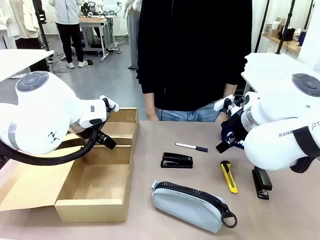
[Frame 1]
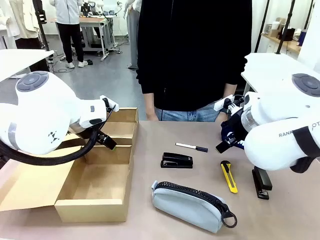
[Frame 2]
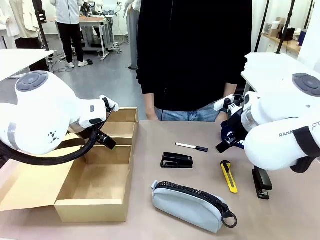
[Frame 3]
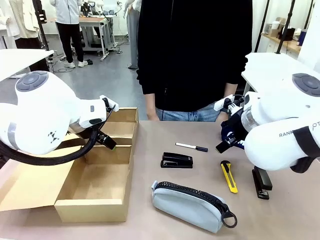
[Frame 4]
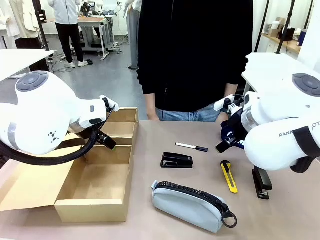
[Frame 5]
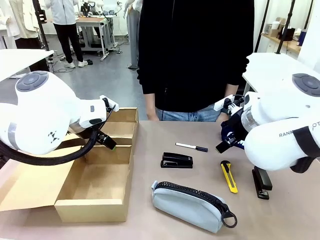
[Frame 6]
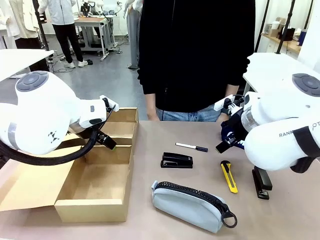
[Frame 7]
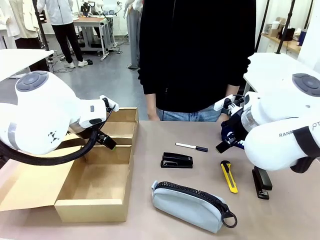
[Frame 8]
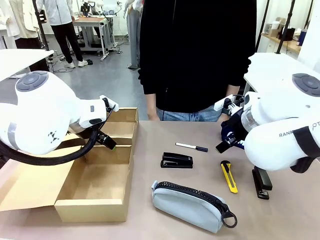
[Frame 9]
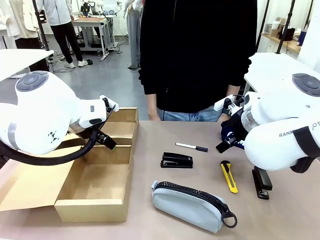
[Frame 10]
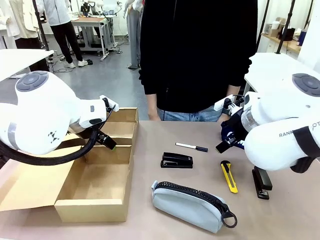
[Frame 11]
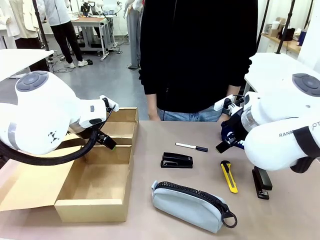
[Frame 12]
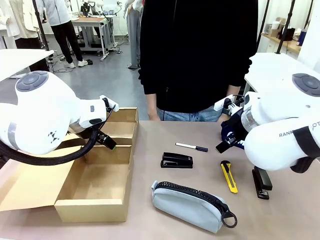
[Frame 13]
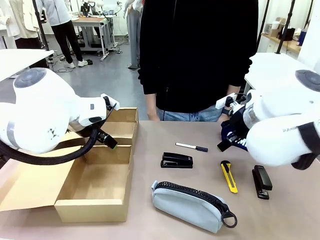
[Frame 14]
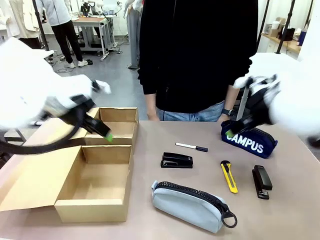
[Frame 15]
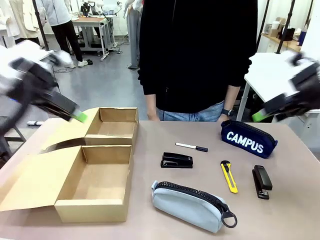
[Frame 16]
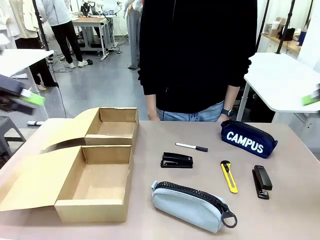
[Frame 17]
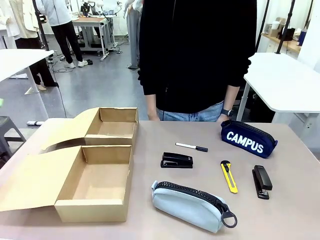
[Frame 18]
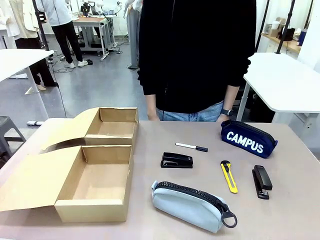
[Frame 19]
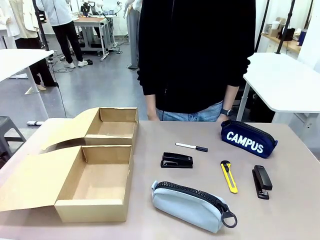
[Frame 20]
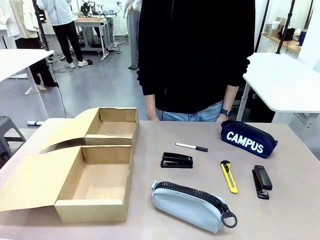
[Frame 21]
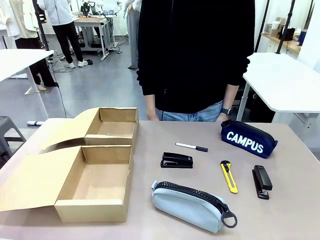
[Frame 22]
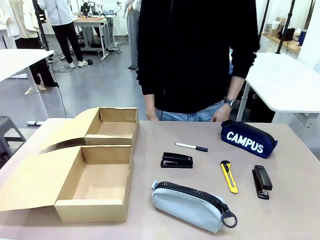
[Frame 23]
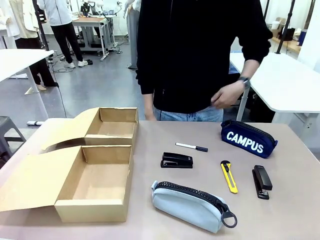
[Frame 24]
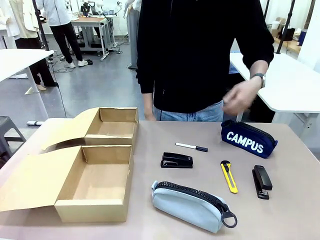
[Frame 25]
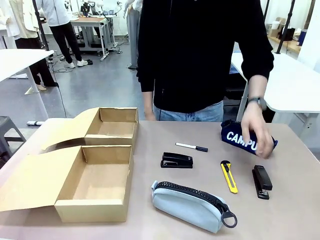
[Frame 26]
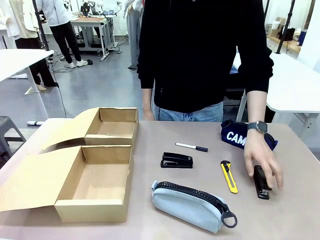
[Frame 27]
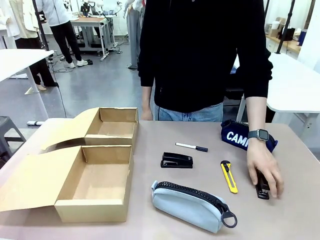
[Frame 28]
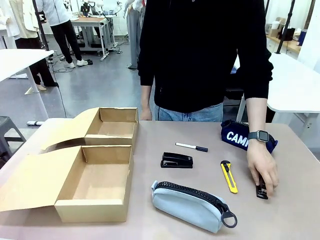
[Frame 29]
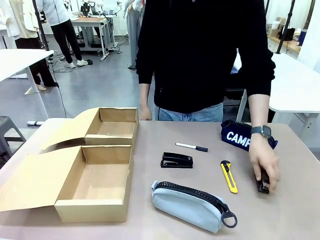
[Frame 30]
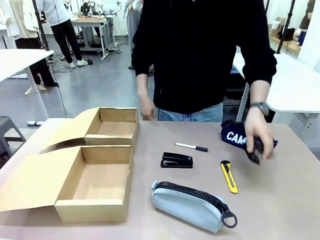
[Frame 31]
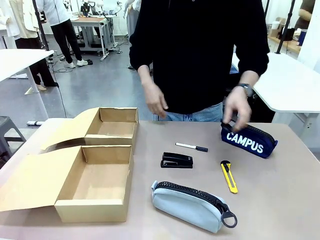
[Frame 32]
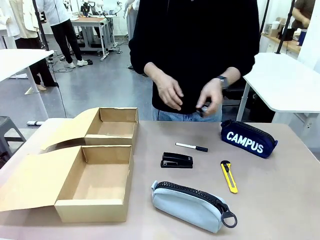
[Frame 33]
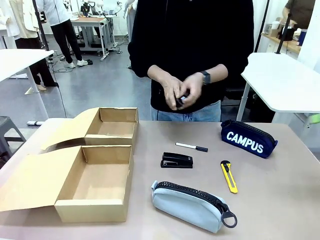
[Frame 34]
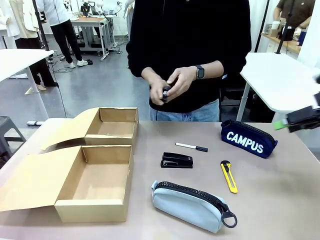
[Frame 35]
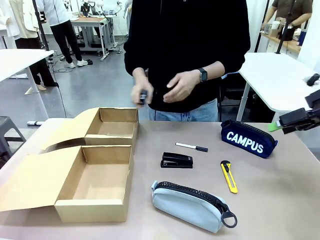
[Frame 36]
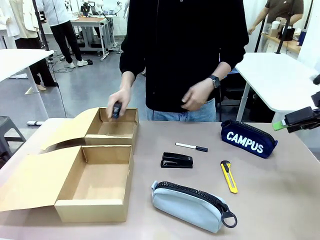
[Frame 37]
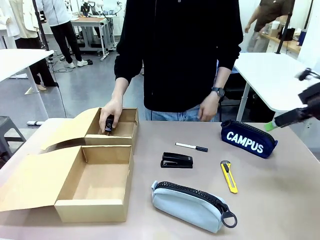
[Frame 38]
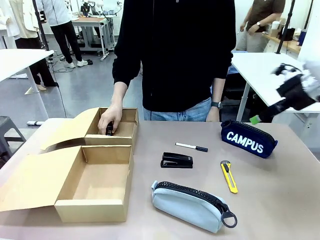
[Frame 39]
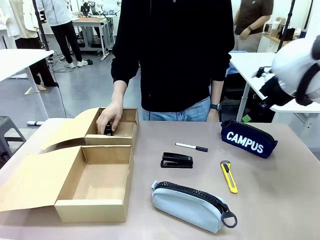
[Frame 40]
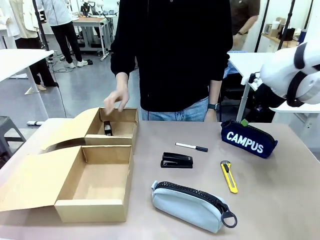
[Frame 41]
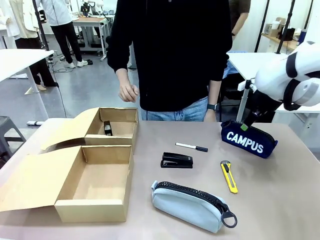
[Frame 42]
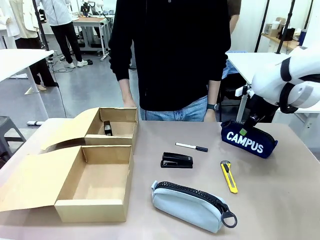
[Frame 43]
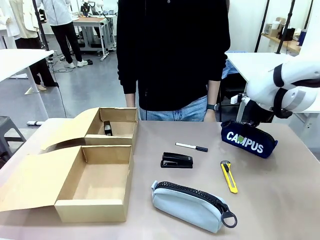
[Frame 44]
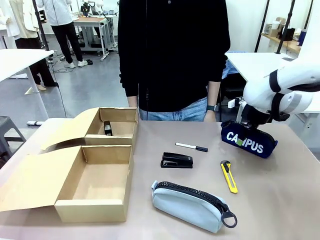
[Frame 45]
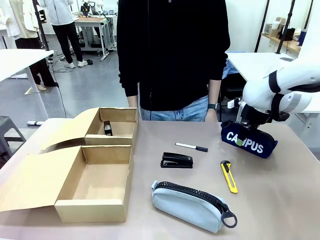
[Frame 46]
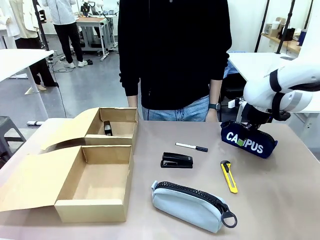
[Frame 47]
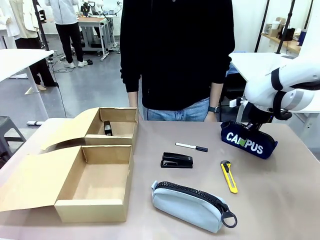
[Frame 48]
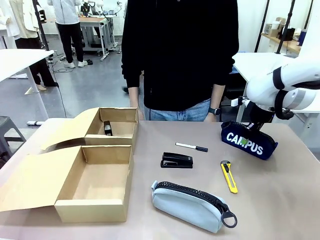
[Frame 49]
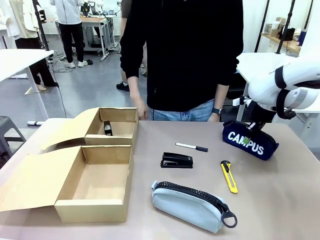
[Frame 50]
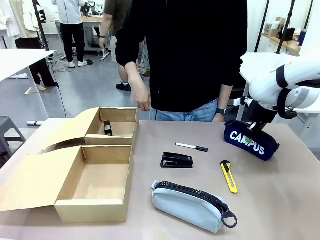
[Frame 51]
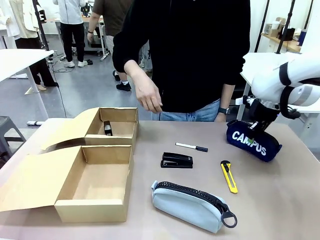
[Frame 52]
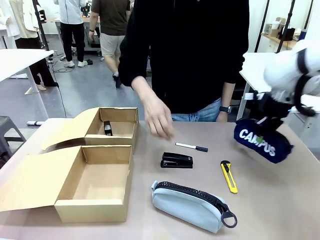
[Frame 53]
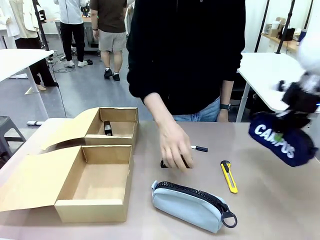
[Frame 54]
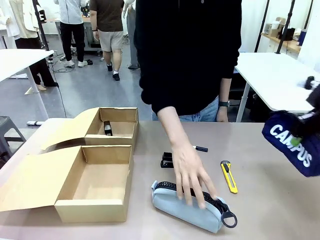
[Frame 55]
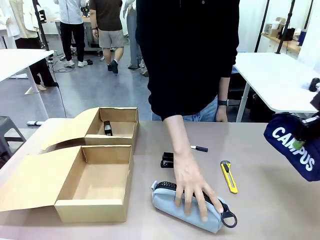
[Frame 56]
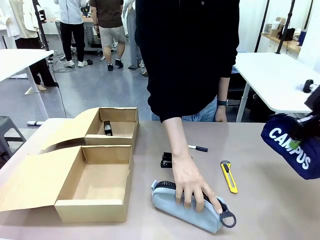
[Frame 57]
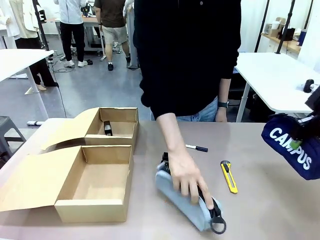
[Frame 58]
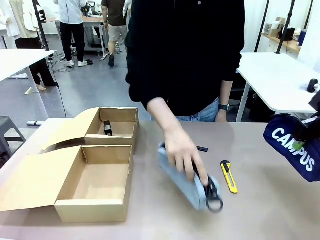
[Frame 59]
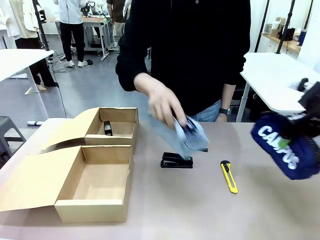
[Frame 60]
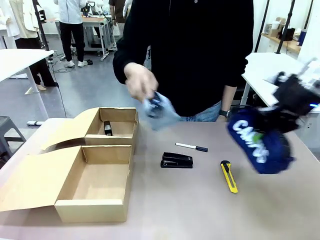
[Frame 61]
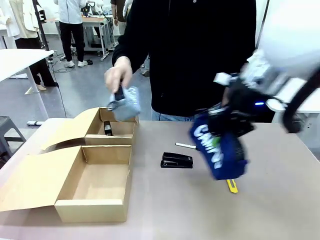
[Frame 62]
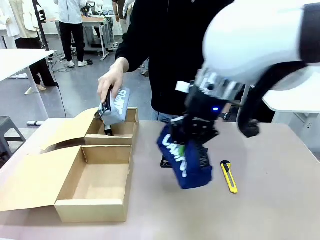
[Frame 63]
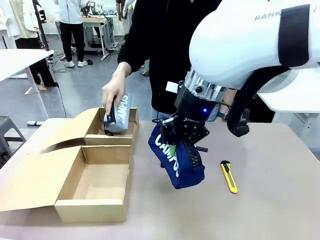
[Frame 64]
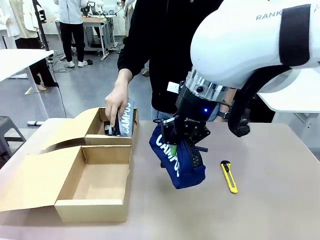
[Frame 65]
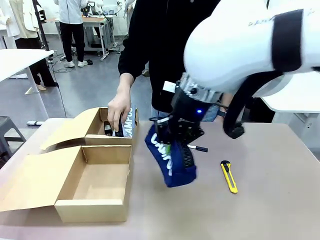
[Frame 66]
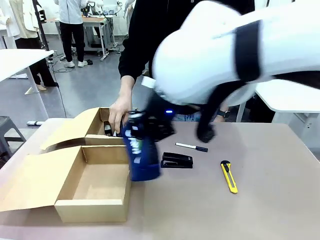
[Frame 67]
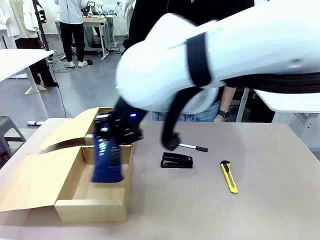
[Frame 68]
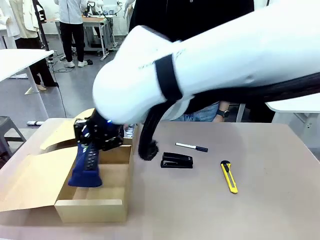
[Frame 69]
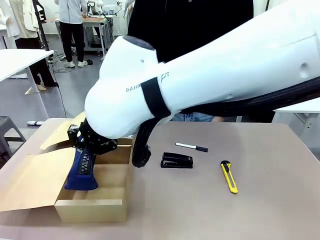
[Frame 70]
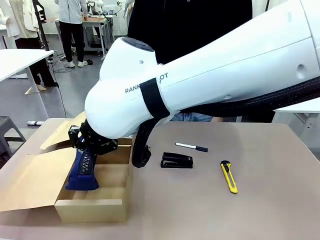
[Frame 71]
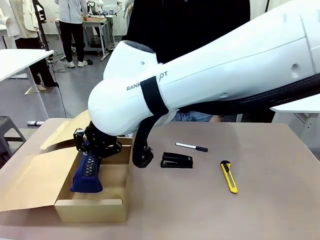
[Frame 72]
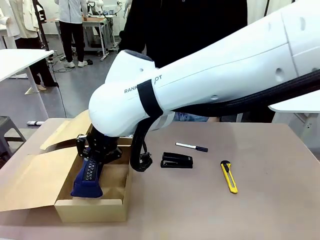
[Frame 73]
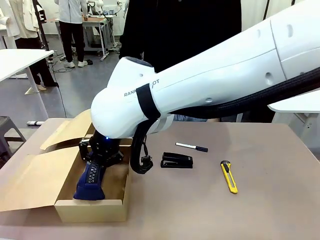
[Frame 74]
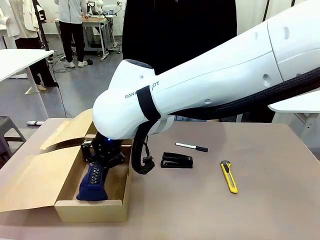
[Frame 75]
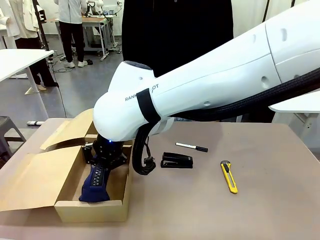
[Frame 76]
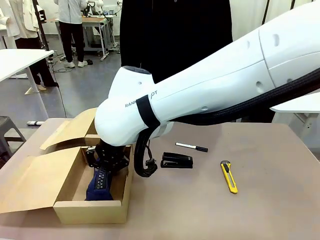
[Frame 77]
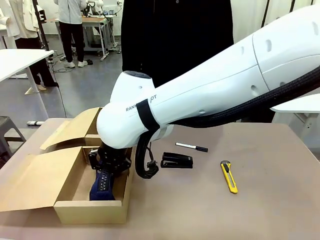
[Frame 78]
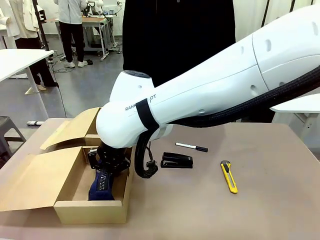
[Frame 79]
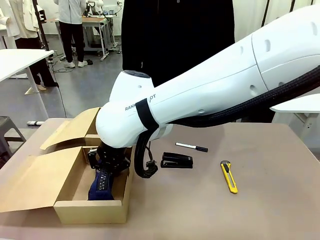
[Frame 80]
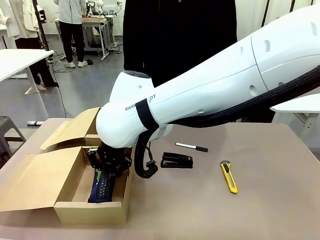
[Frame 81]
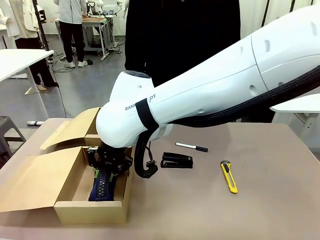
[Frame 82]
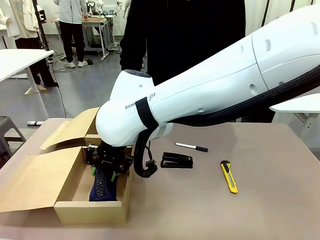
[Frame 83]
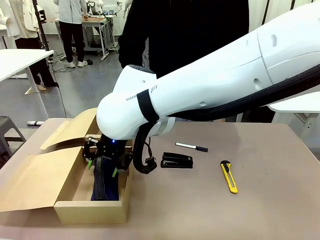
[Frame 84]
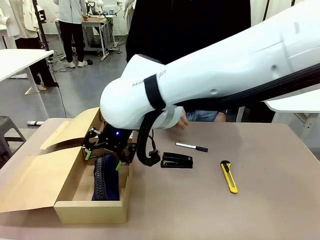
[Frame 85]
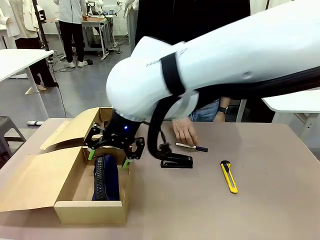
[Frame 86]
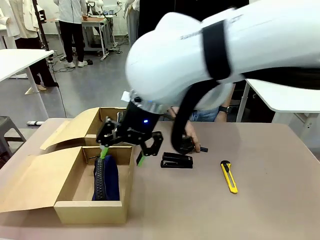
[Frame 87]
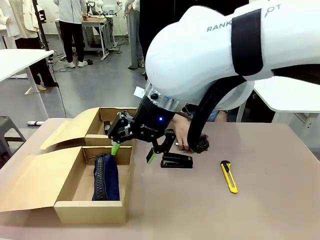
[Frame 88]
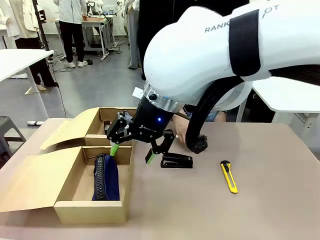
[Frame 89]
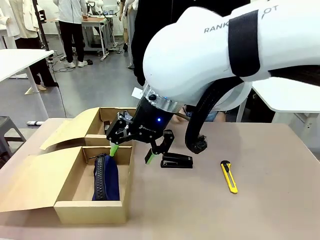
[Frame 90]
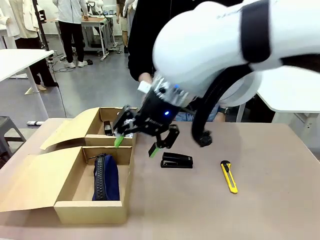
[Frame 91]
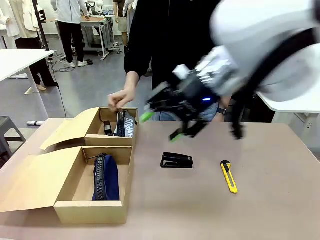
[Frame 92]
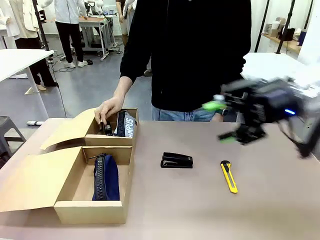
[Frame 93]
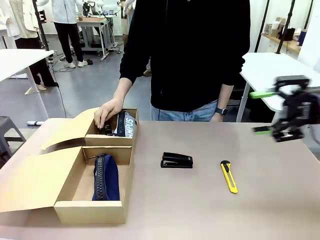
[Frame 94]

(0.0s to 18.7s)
Task: Place items inside the box.
Robot: Pick up a Pencil pouch or Stapler and place it inside the Mailer Box closest to the robot.
Person: Pick up an object on the table and put it in the box.
